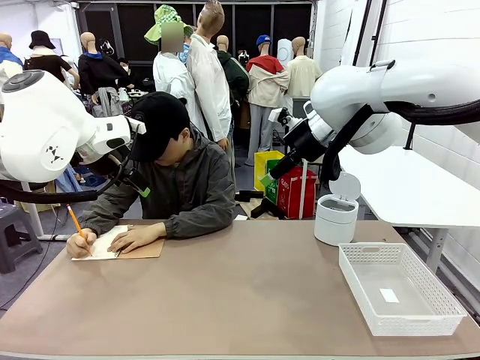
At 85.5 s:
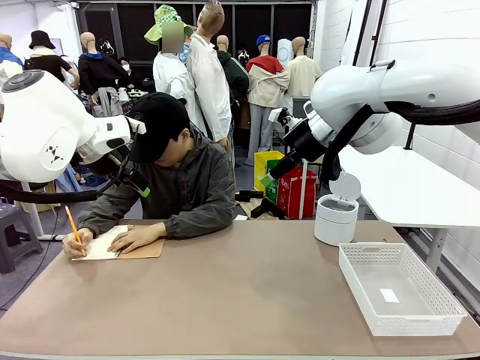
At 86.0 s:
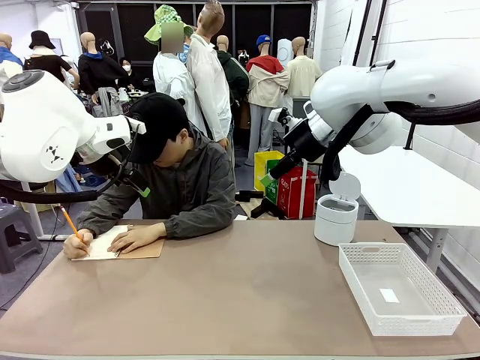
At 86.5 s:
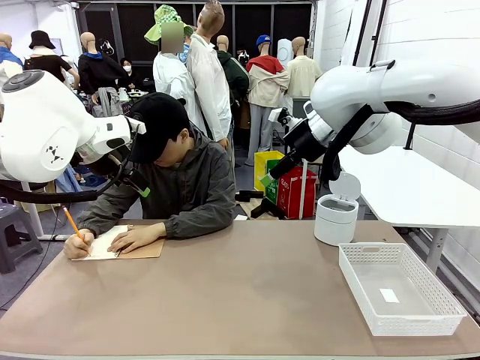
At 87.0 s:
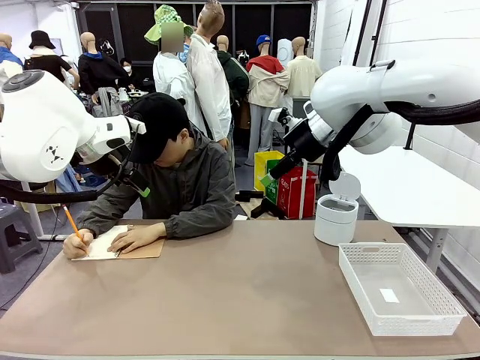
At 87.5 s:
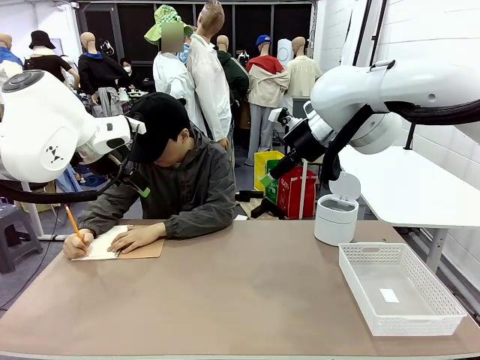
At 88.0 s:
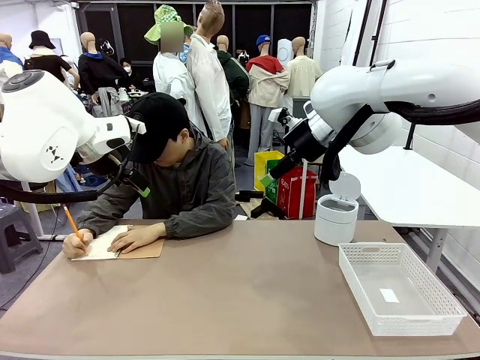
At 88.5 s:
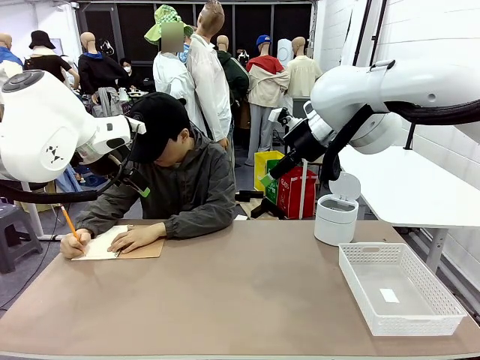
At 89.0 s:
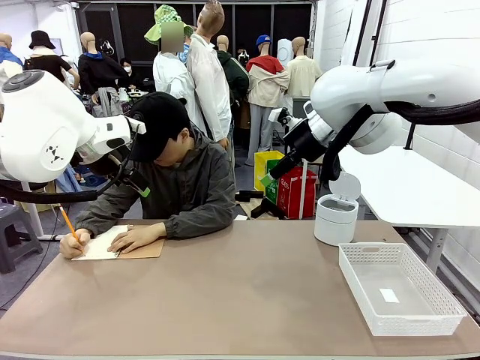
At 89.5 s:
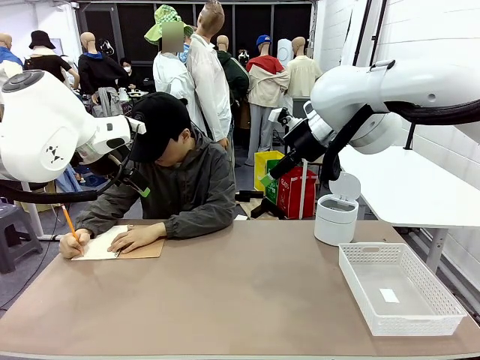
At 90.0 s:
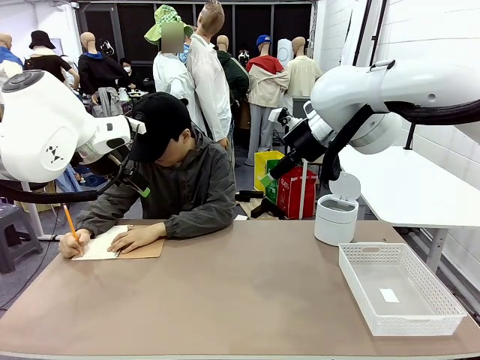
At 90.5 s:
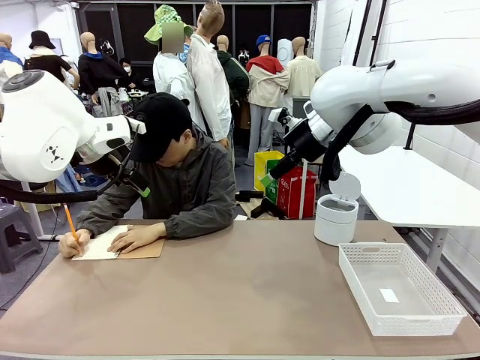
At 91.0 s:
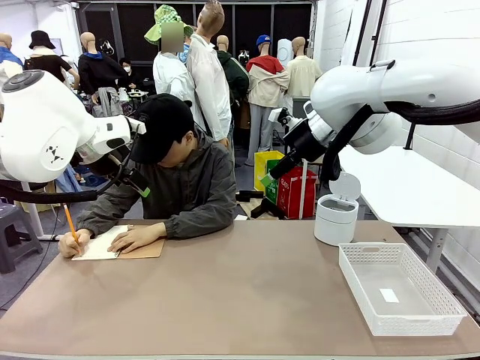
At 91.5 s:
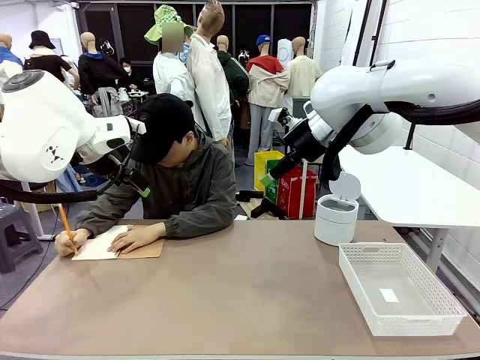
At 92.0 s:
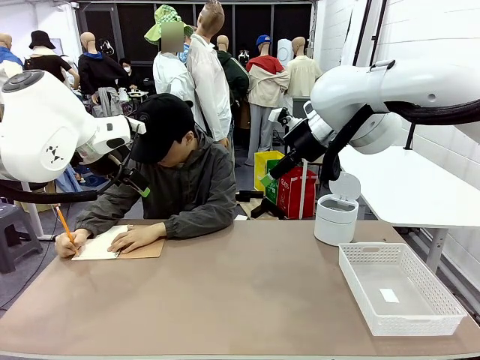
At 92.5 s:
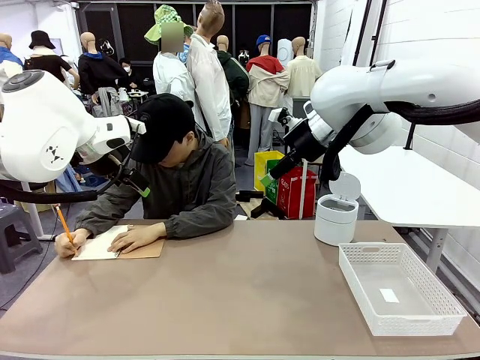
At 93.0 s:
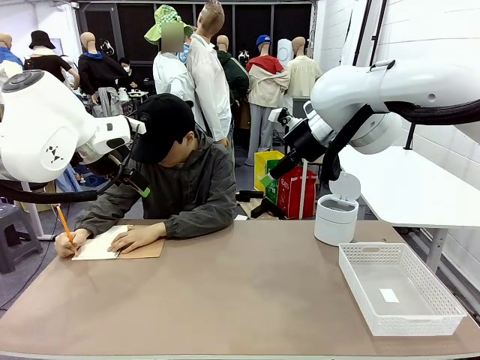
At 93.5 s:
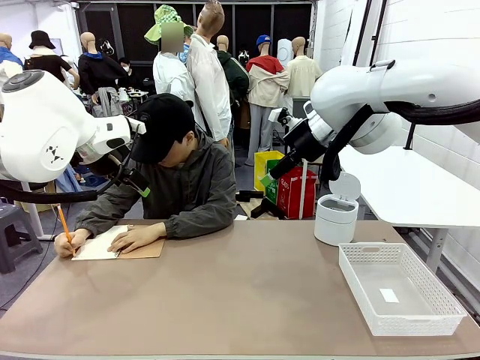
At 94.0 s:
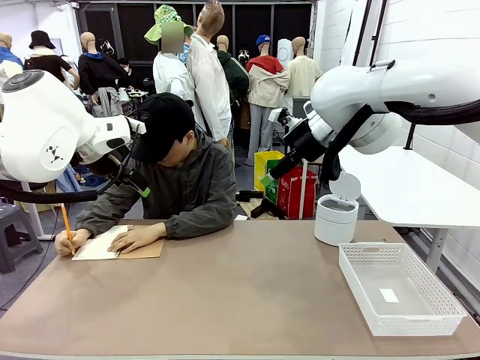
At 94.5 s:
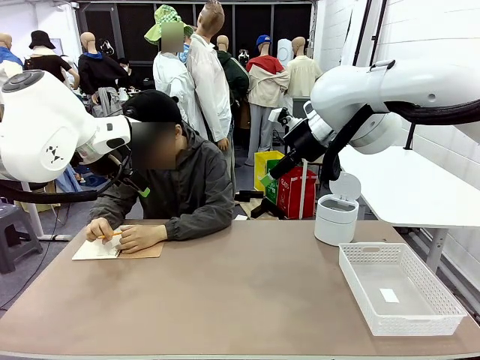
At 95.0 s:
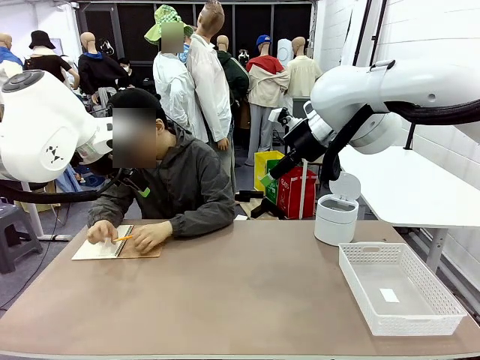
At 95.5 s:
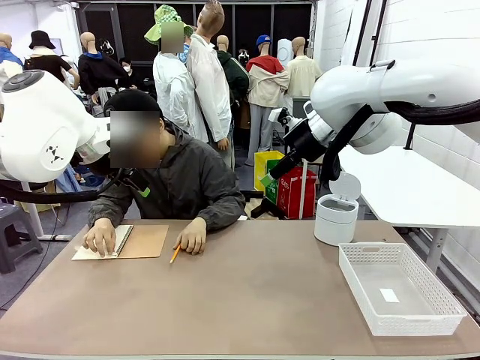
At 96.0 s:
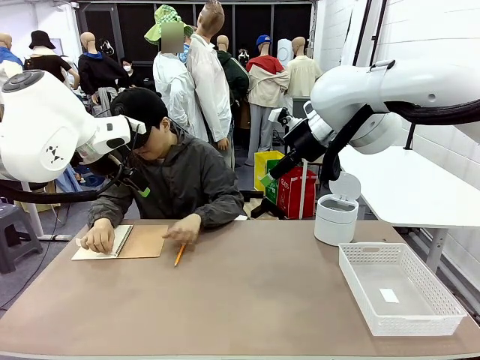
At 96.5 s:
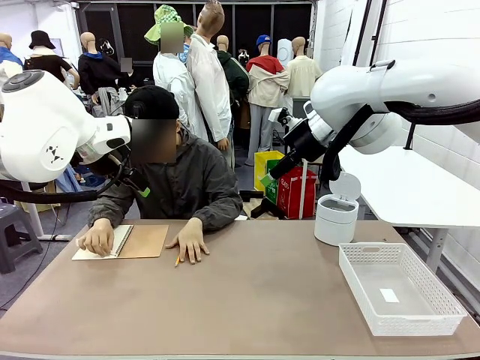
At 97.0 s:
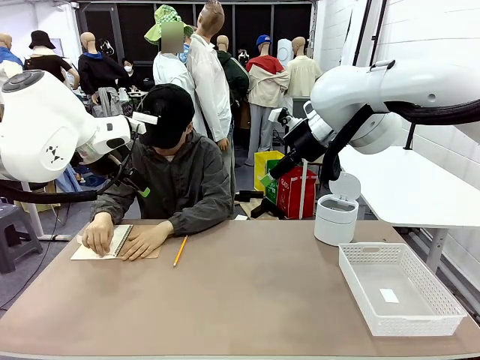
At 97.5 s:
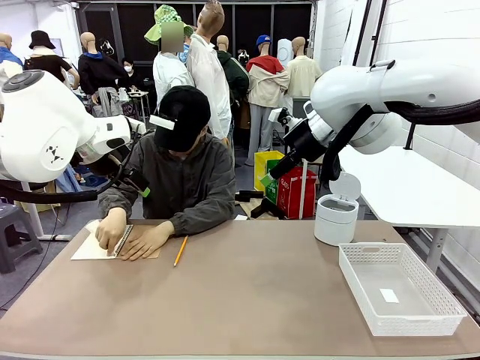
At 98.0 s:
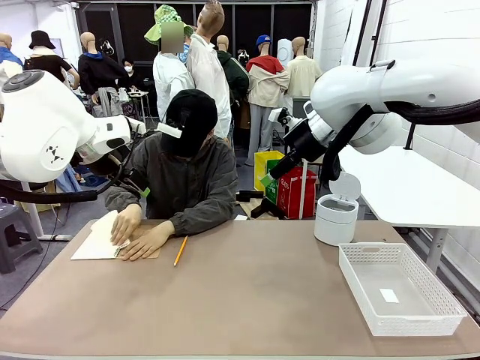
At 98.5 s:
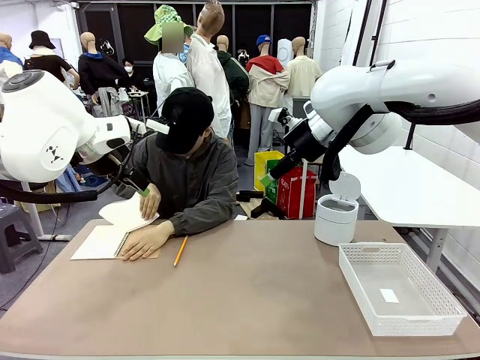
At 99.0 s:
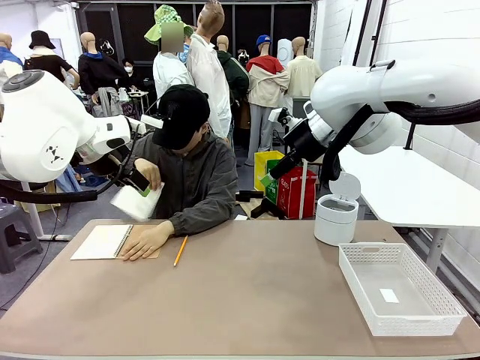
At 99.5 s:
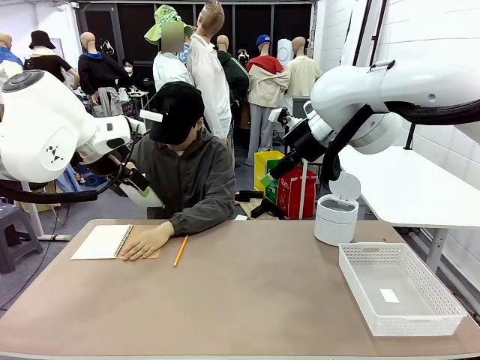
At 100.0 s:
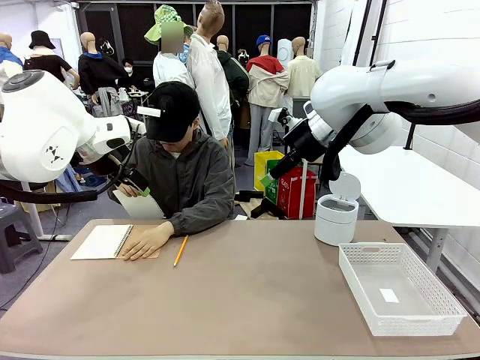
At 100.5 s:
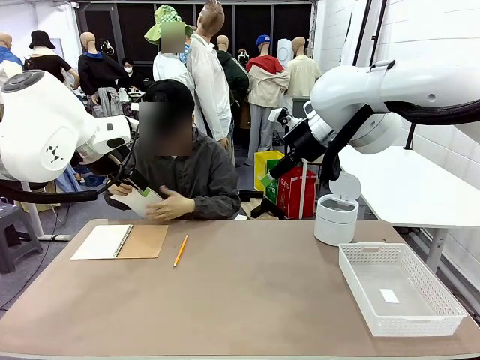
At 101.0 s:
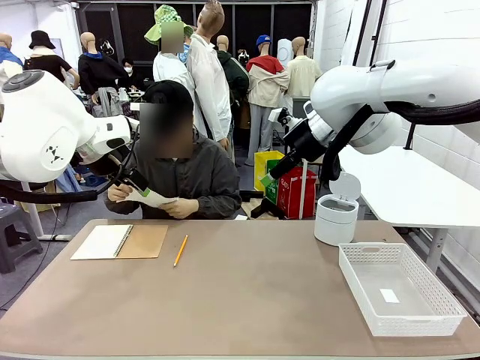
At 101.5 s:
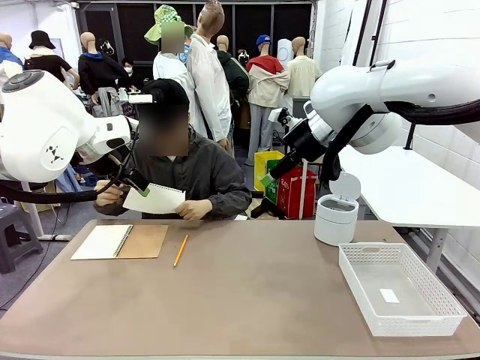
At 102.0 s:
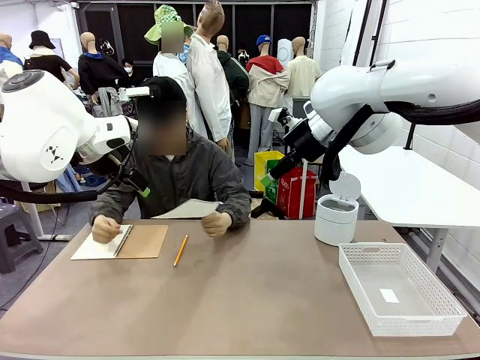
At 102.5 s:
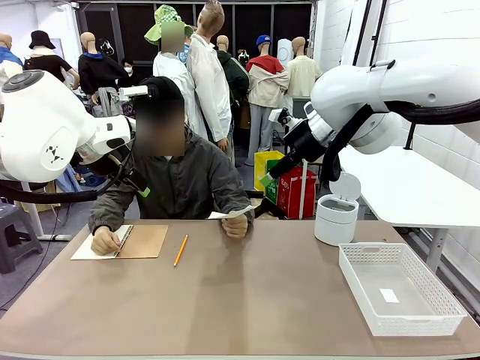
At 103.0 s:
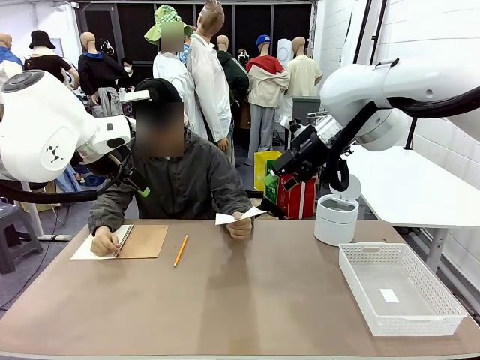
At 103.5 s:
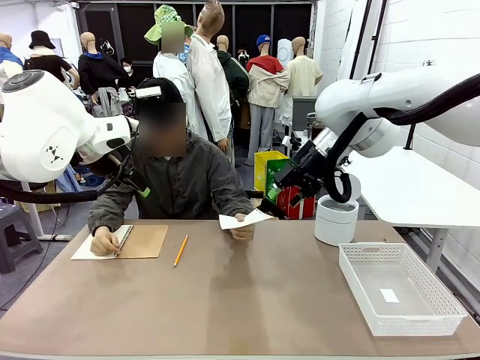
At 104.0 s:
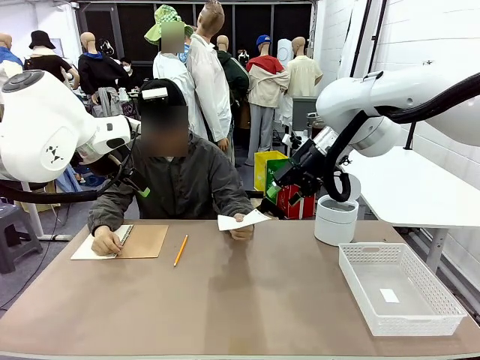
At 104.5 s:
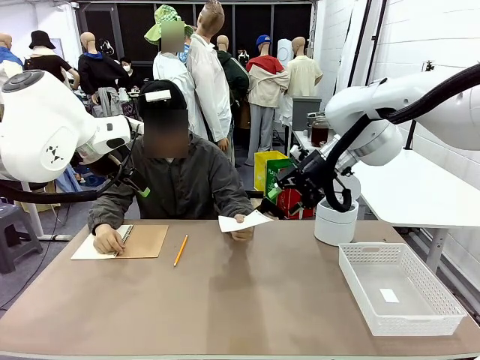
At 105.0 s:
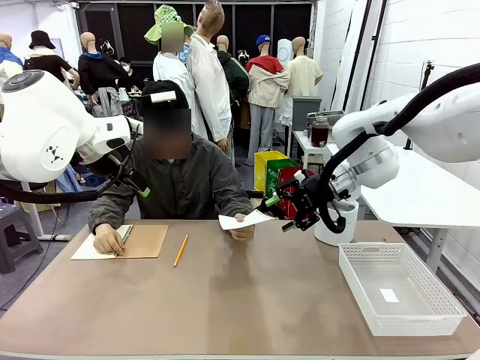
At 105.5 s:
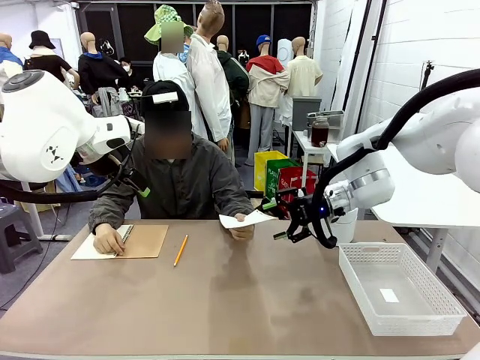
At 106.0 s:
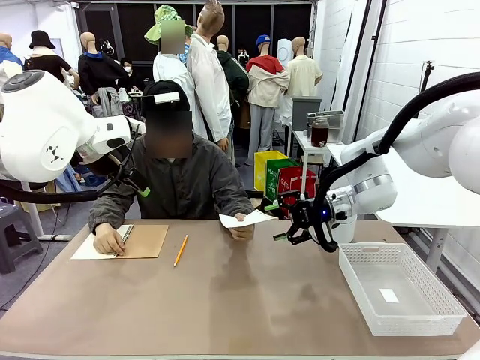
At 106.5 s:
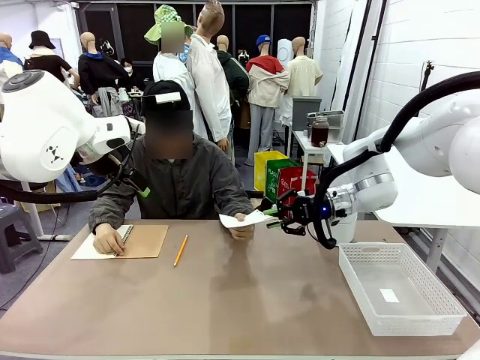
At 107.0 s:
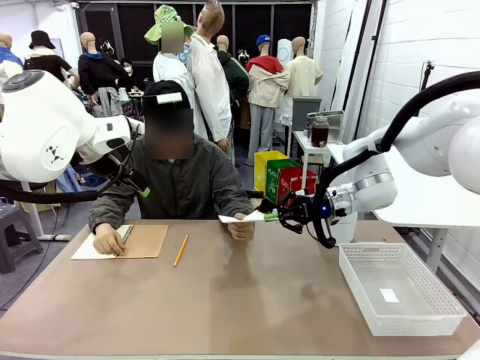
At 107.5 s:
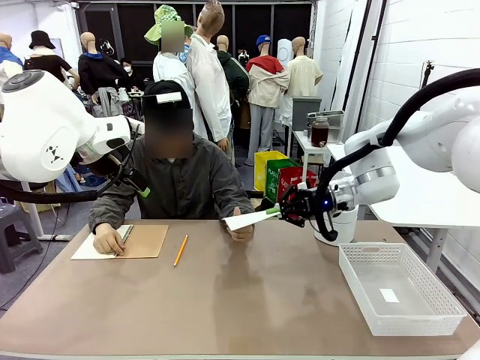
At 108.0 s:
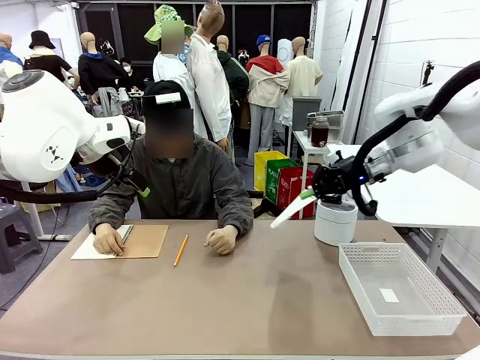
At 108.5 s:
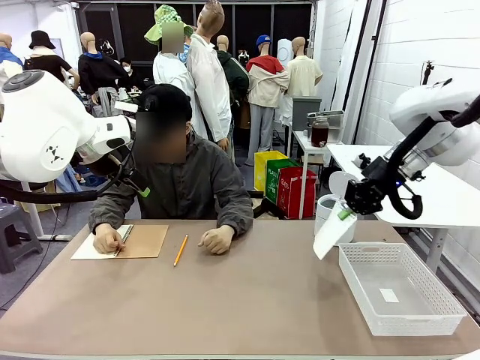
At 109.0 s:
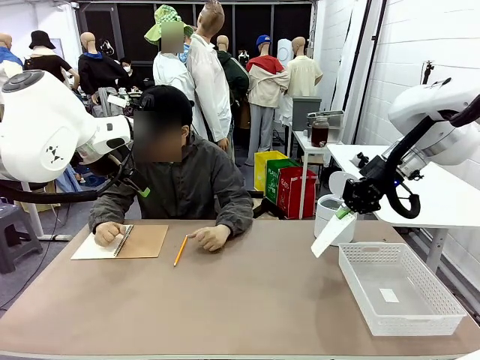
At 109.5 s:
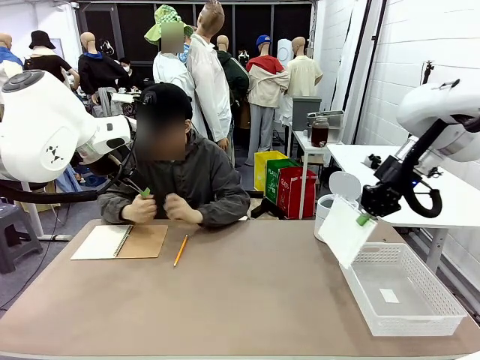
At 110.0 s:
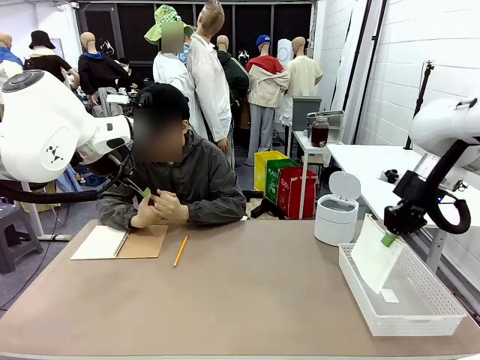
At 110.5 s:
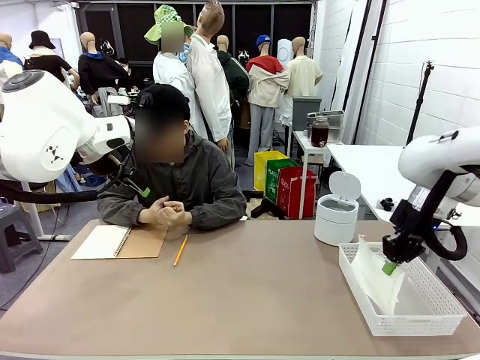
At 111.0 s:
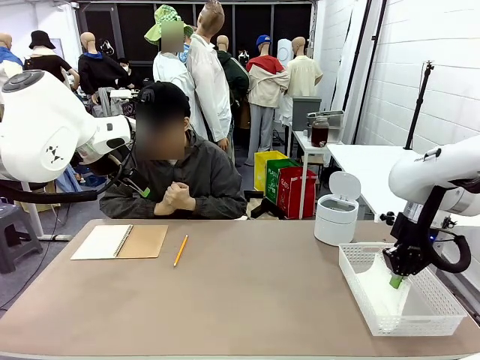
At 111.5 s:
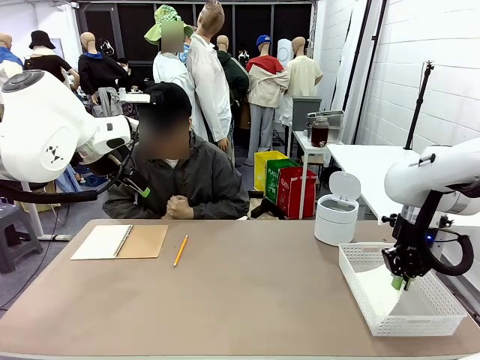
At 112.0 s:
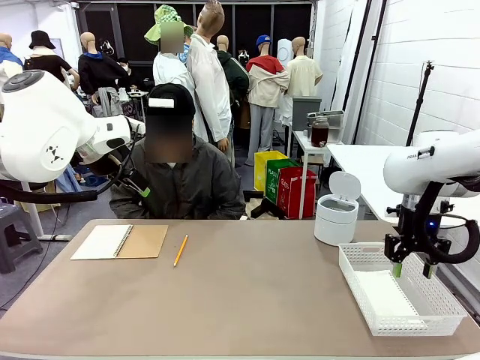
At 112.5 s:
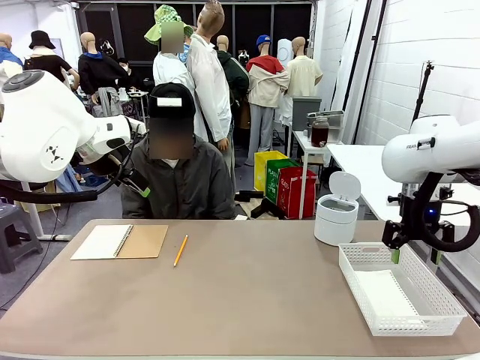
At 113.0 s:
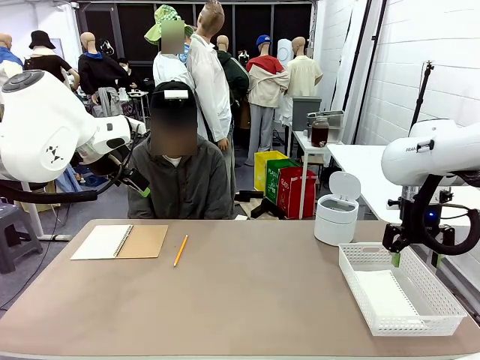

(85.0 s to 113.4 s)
Task: Sort the paper based on its condition.
Robot: If a person hands you a paper, place it in the Organizing basket , and if it's crumpled, put it in the Trash can.
Person: Hand the torn page to the robot or crumple it and throw it to the center of the table.
